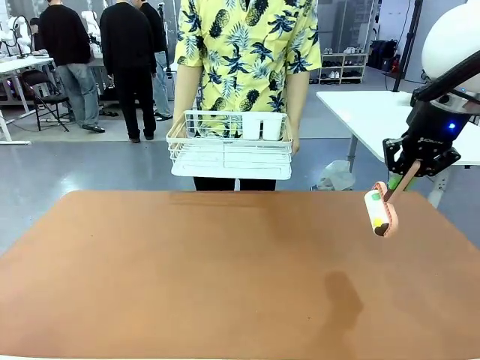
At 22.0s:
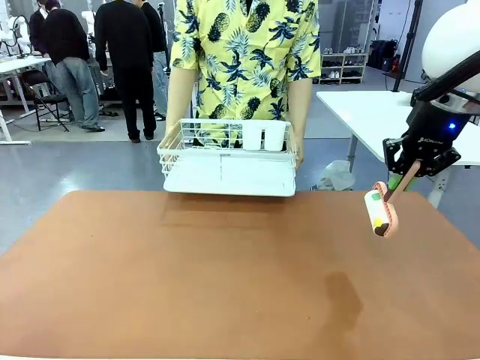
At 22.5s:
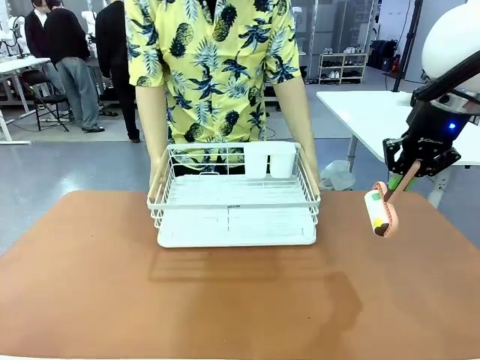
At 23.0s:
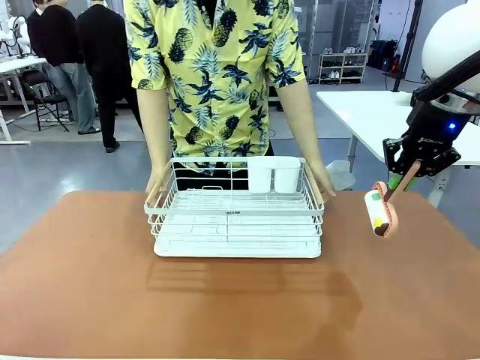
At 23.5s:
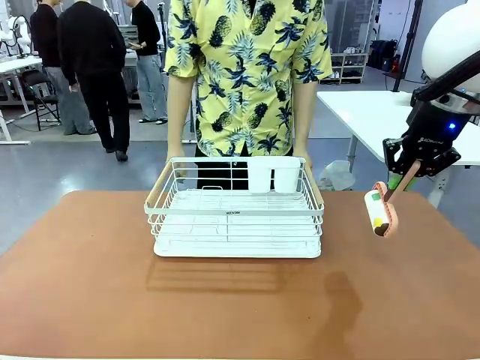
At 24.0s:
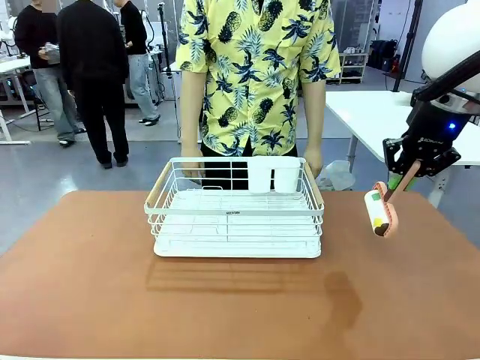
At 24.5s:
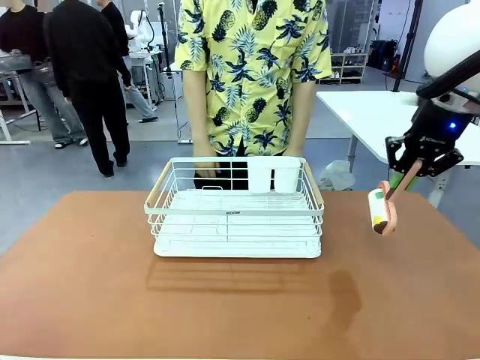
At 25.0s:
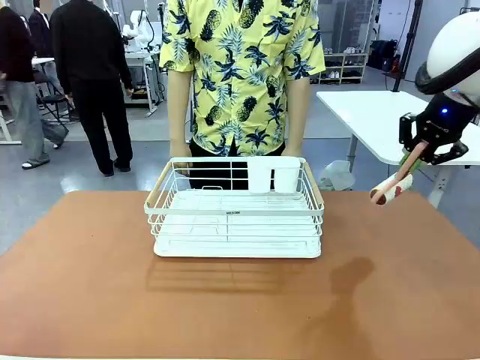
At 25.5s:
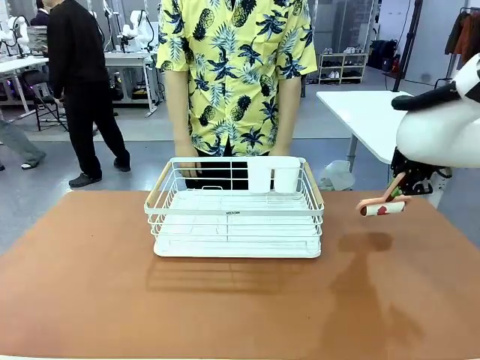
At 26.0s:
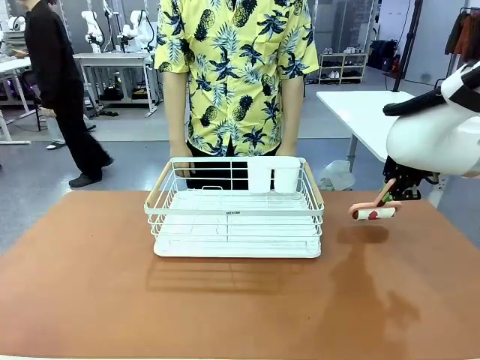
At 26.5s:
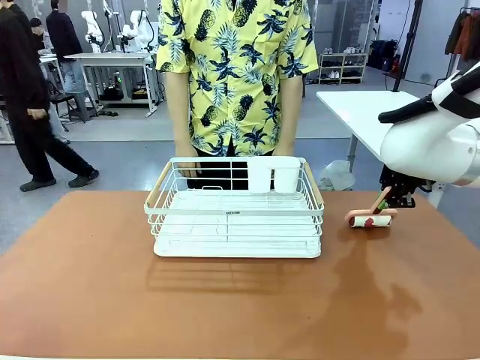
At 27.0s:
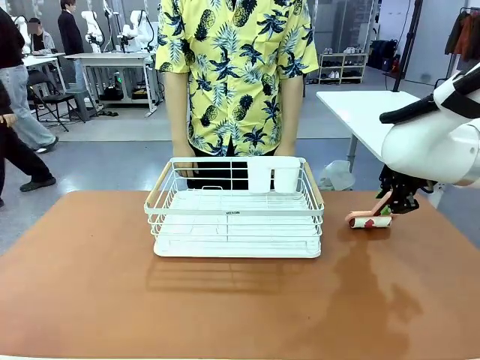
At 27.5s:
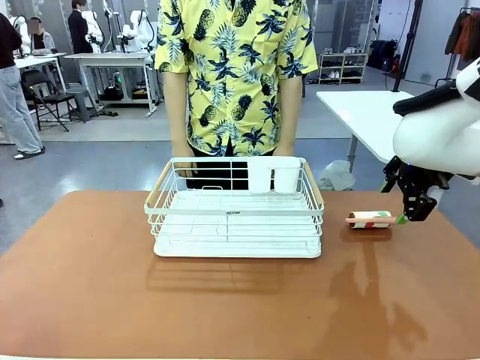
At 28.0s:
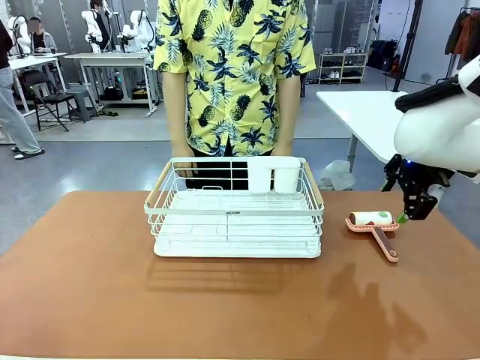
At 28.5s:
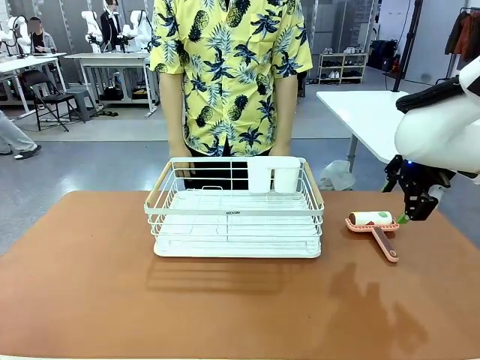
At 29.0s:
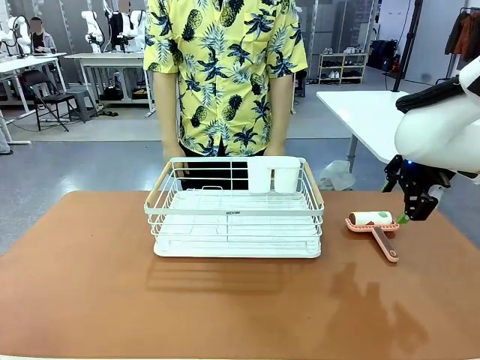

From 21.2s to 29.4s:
Task: Clean the table.
Robot: Place the Lint Roller down when the Dish drying rack is positioned in the middle of the table.
Person: Place the Dish drying rack down when the robot finishes cleaning.

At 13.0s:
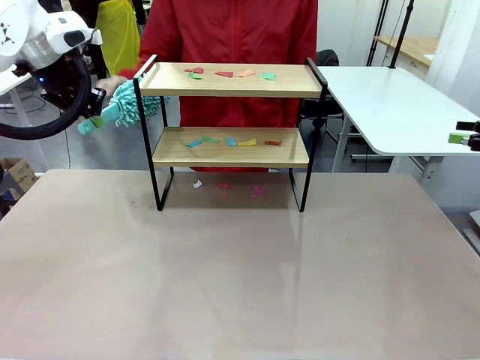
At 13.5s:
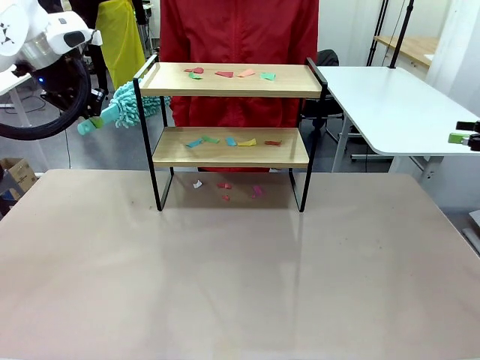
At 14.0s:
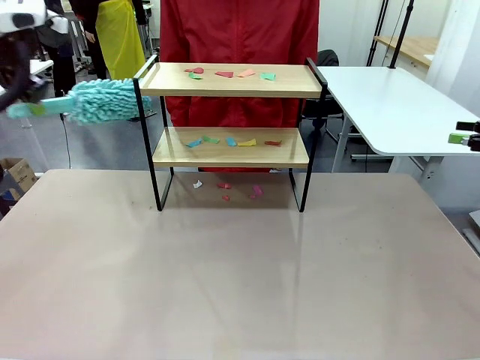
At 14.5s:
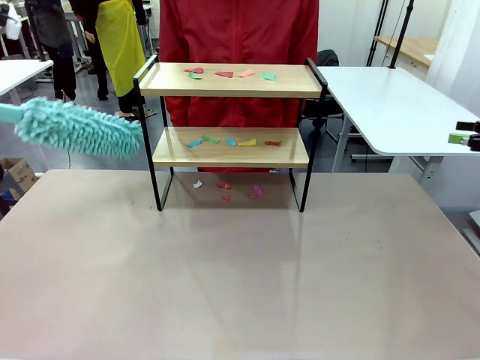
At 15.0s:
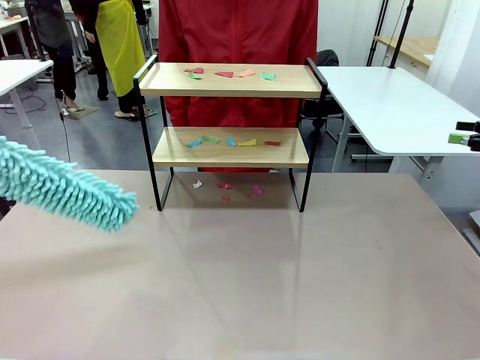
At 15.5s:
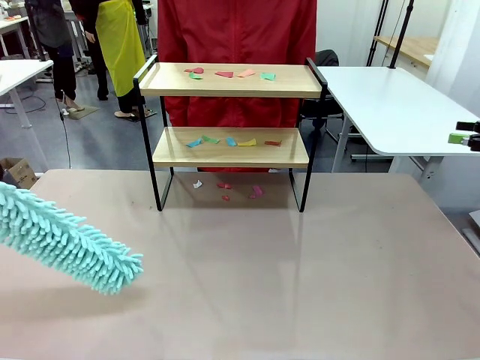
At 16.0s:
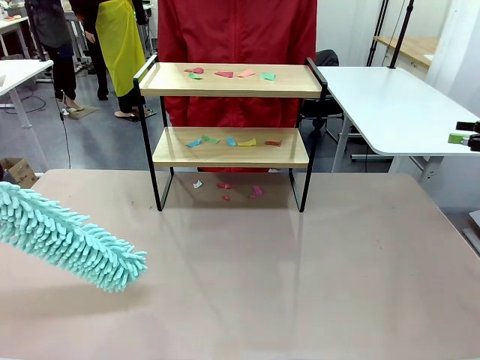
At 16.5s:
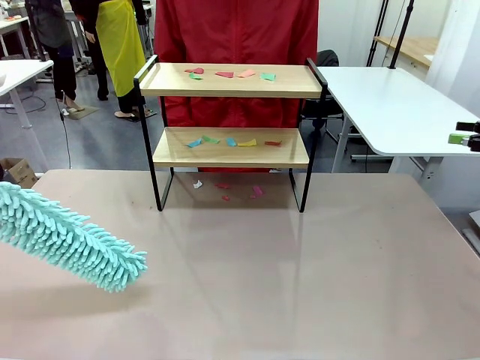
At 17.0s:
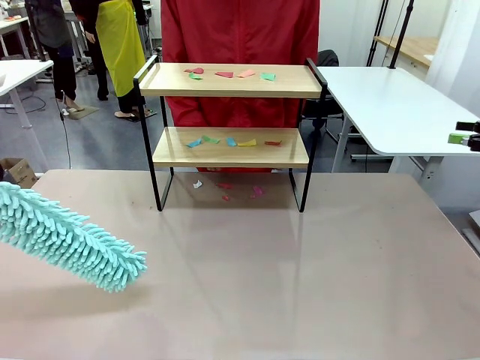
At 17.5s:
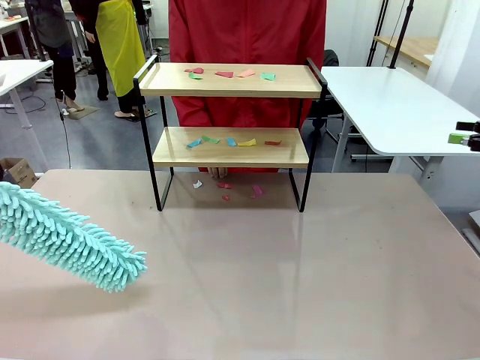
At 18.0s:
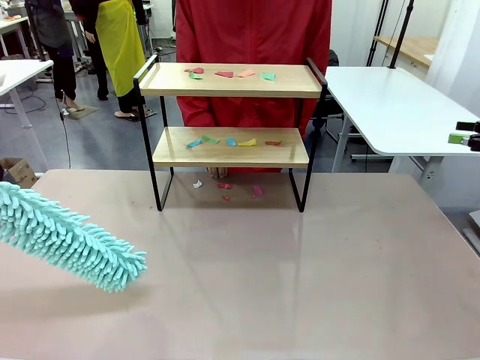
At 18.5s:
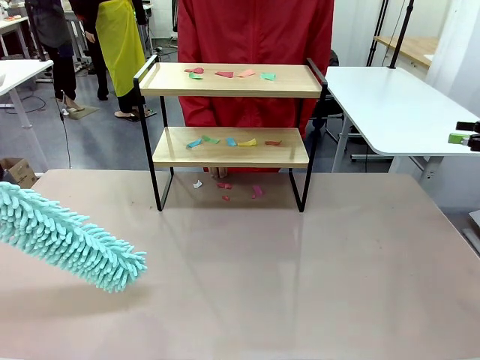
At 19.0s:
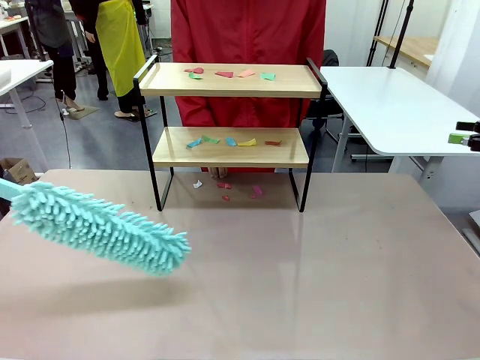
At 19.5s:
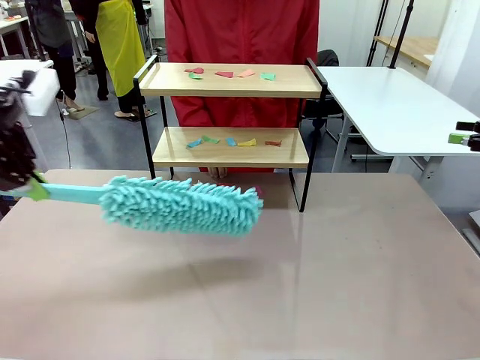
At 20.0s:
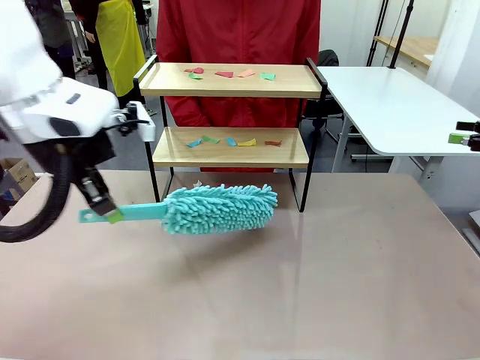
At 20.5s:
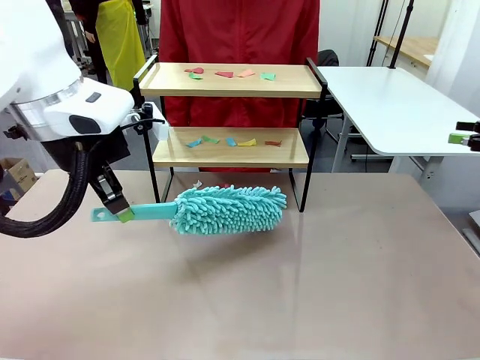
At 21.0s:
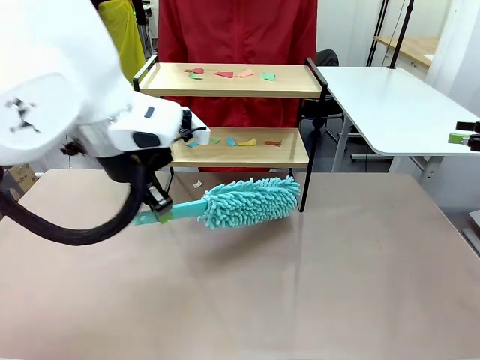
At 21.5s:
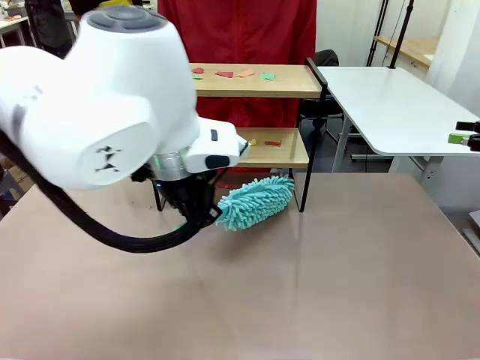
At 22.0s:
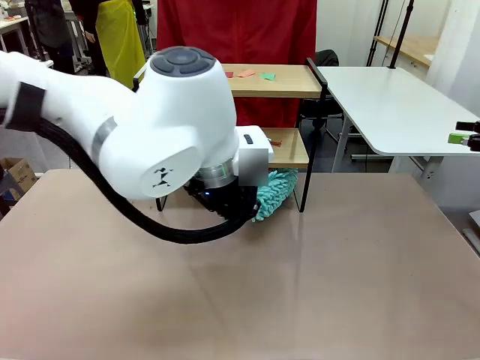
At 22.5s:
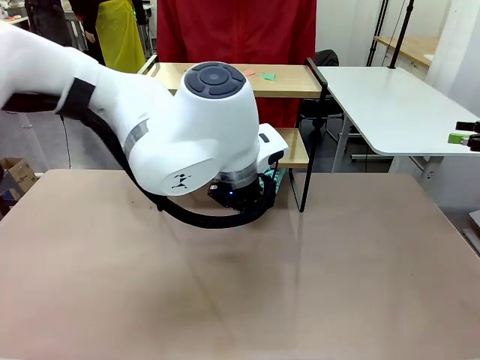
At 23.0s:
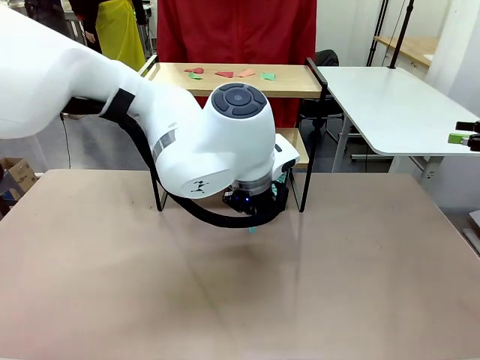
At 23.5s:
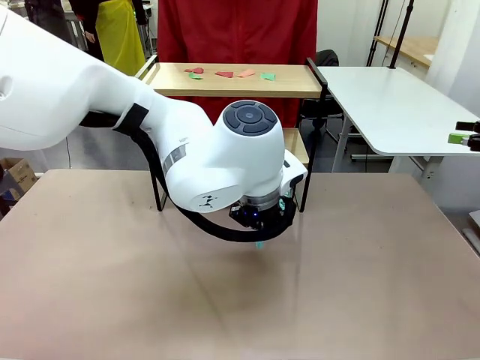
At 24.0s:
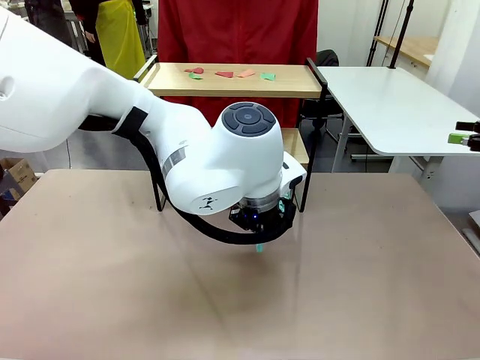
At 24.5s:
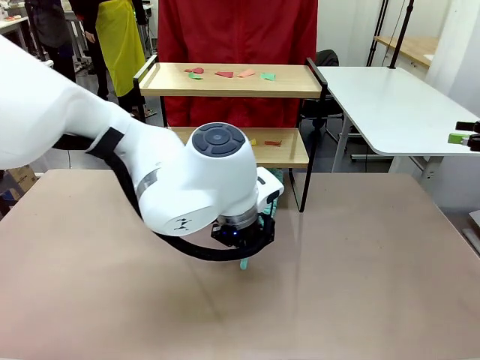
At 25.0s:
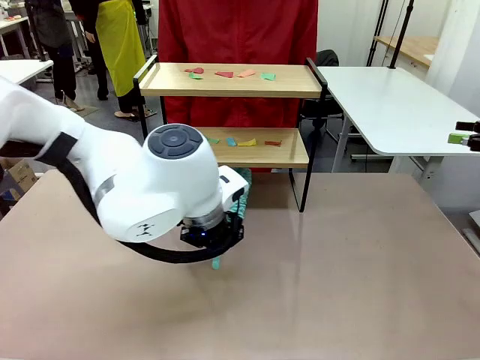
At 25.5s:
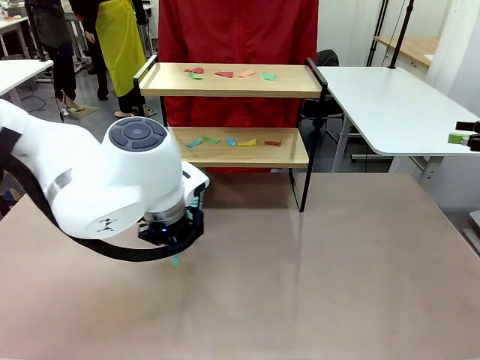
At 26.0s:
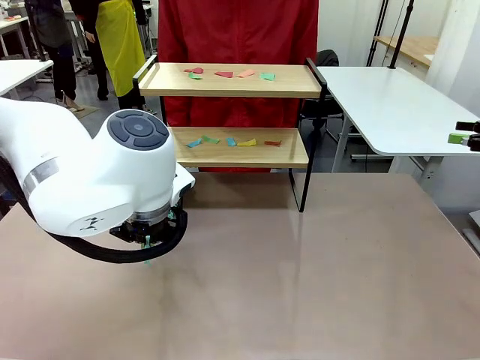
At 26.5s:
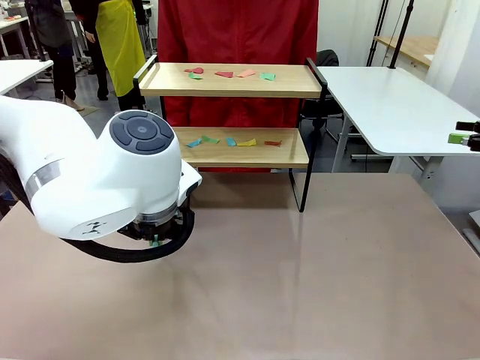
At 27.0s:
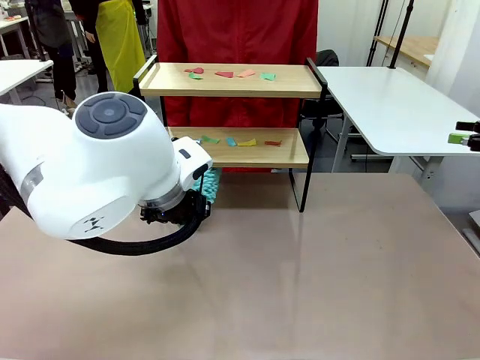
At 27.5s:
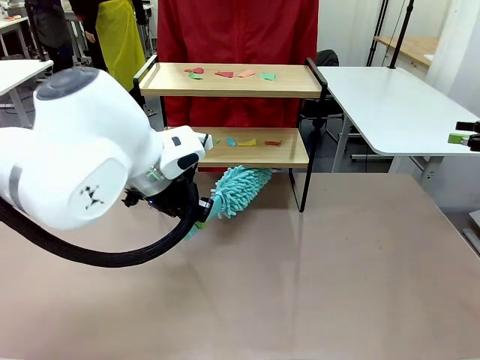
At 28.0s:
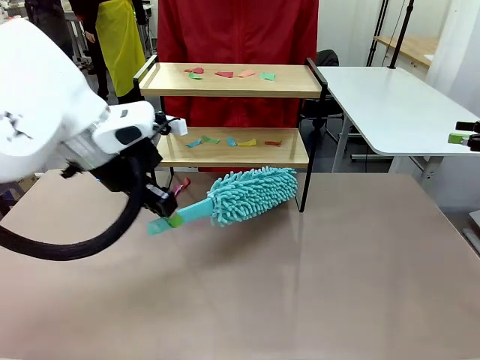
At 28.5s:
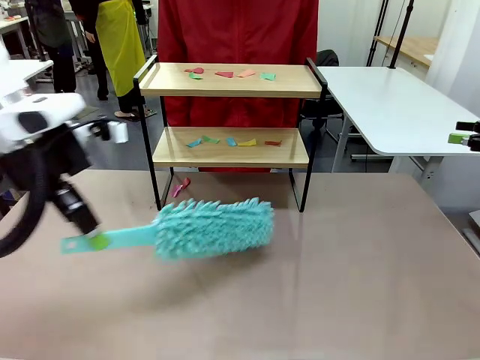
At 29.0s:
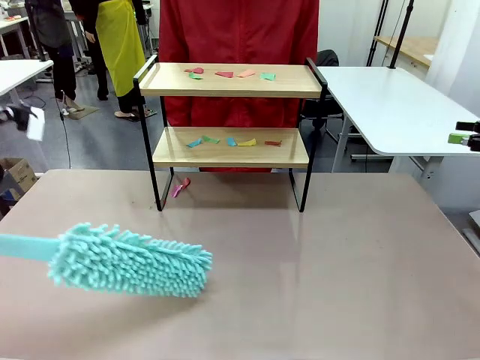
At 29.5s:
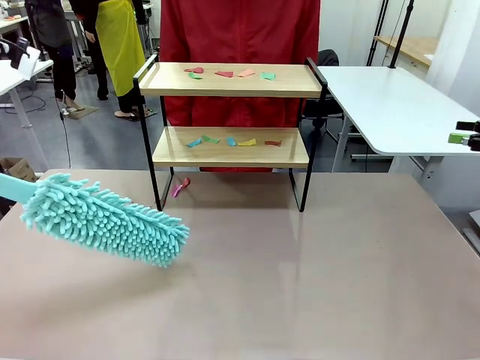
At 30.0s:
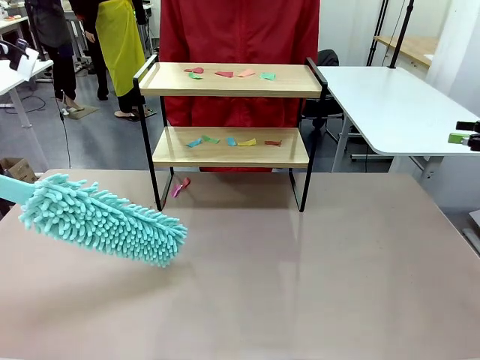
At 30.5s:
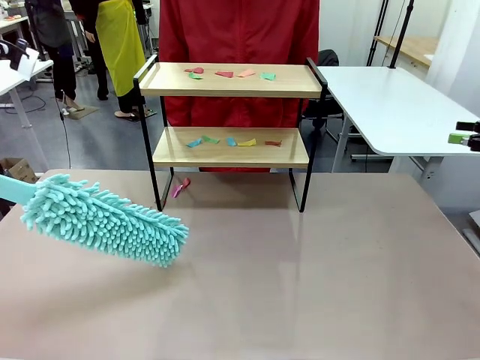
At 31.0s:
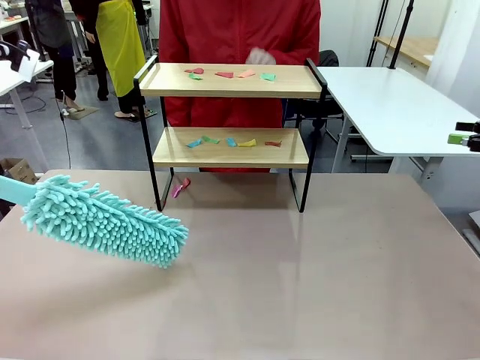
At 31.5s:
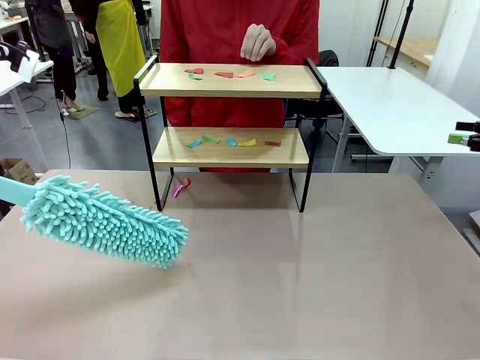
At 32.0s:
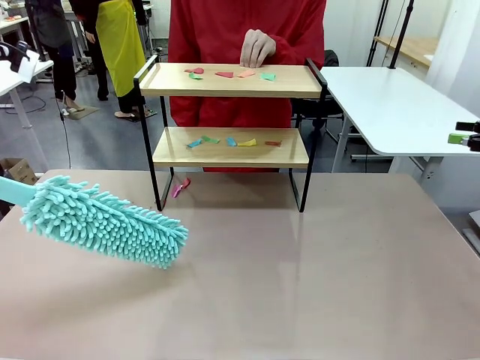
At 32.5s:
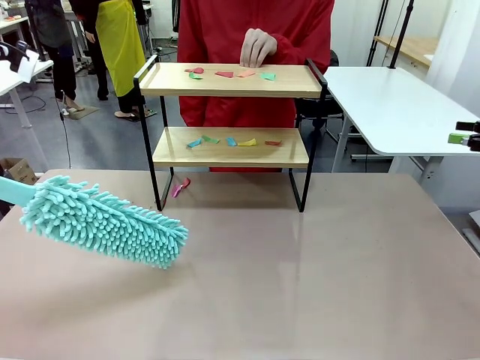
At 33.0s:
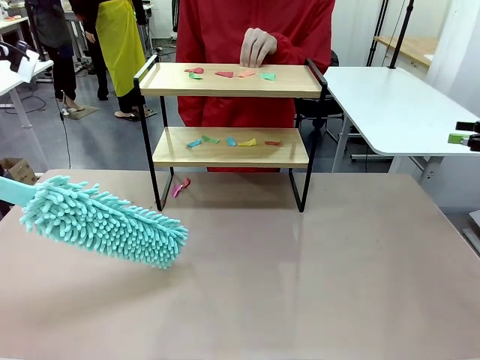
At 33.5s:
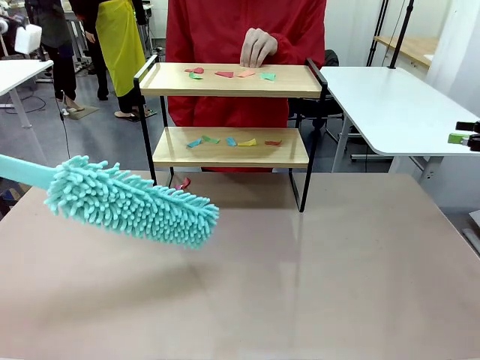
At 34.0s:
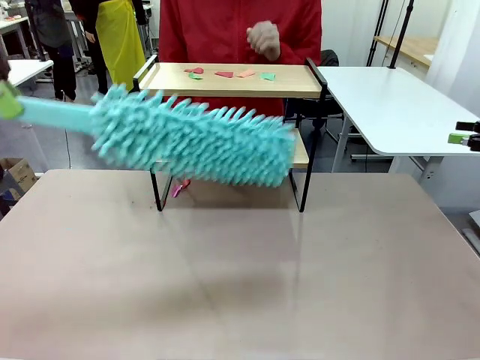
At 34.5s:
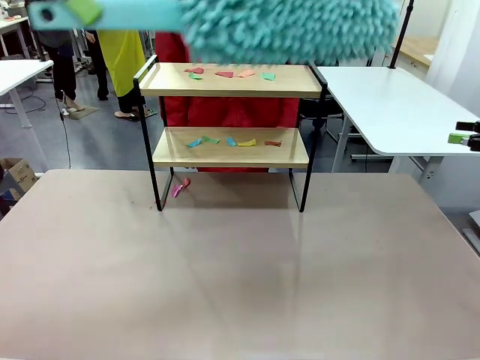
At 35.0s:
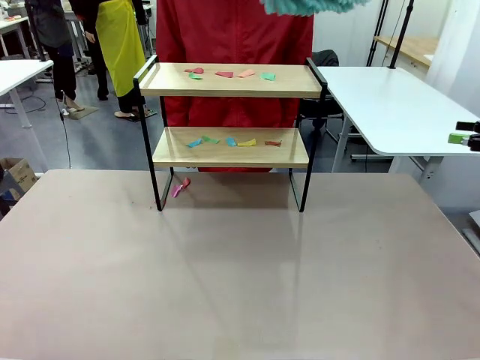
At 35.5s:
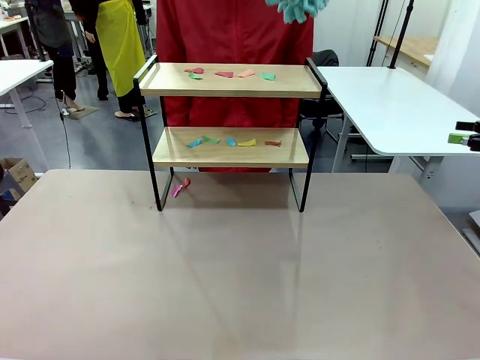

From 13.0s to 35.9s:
Task: Clean the shelf.
Robot: Clean the specific section of the Shelf indicated by the human with the Duster.
Person: Point a random section of the Shelf.
